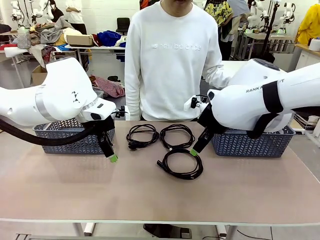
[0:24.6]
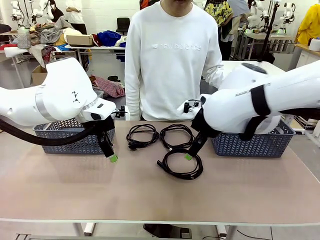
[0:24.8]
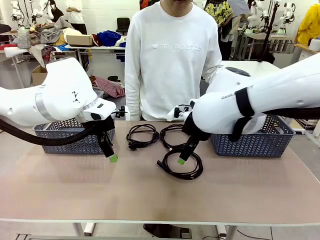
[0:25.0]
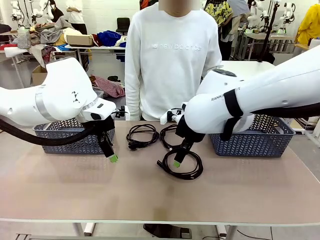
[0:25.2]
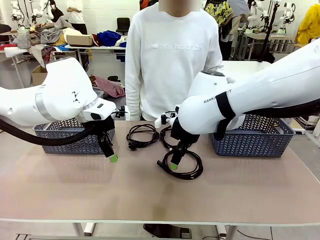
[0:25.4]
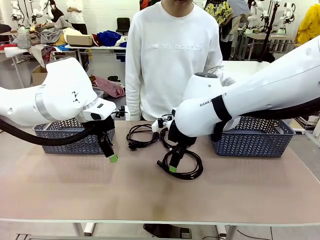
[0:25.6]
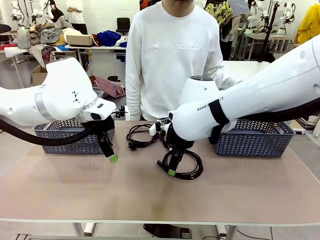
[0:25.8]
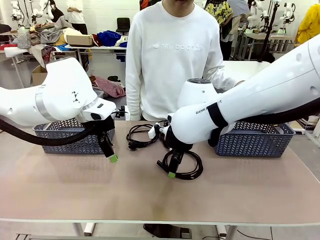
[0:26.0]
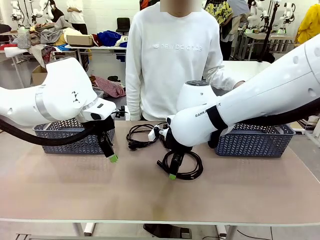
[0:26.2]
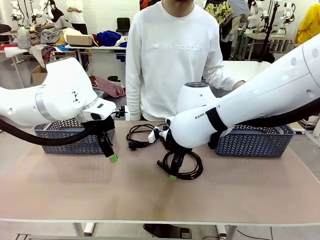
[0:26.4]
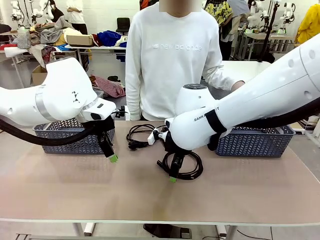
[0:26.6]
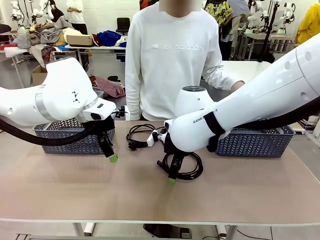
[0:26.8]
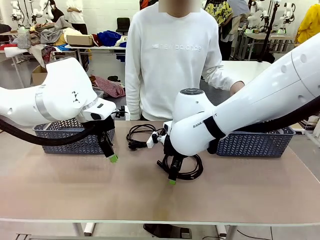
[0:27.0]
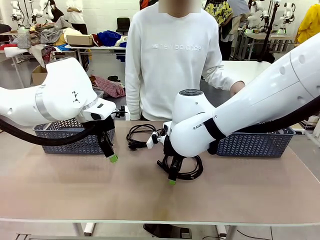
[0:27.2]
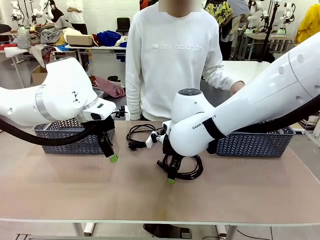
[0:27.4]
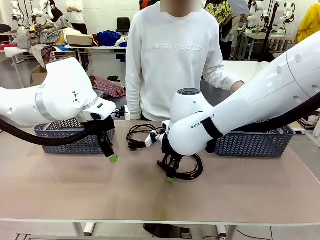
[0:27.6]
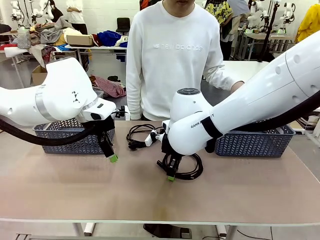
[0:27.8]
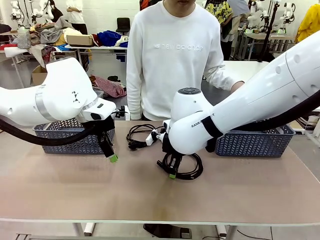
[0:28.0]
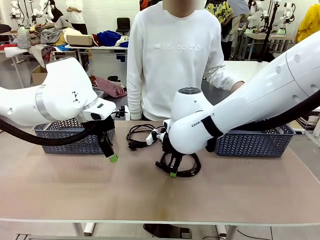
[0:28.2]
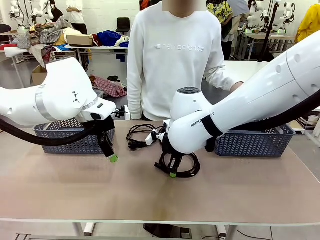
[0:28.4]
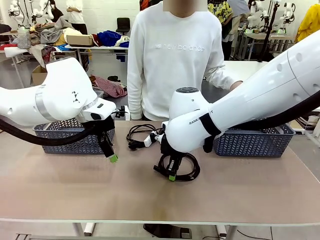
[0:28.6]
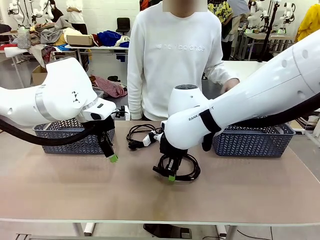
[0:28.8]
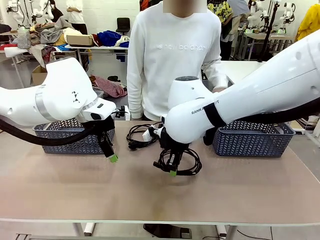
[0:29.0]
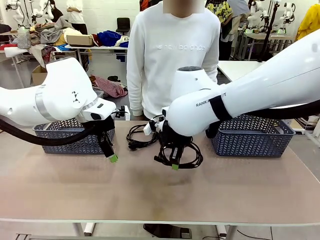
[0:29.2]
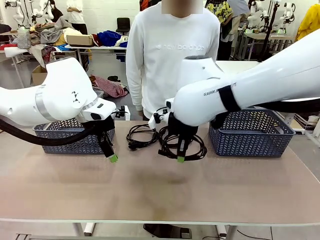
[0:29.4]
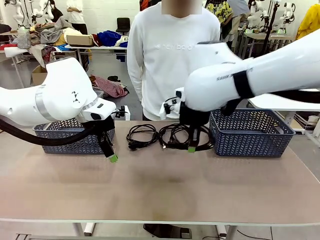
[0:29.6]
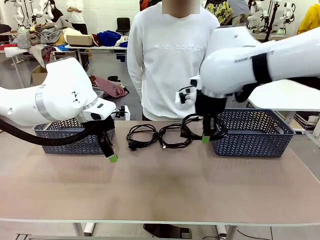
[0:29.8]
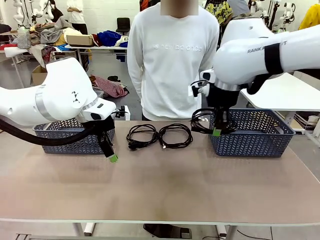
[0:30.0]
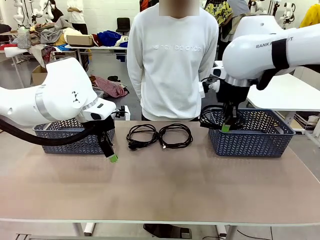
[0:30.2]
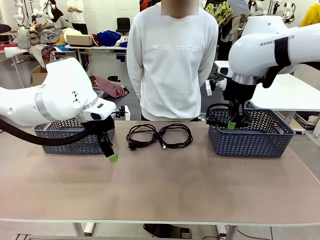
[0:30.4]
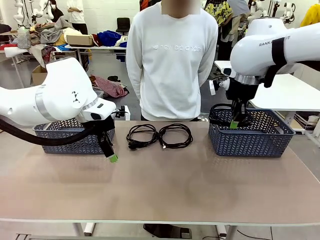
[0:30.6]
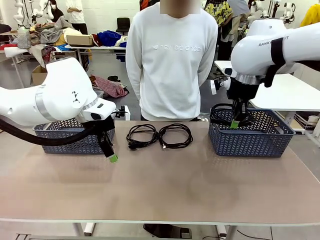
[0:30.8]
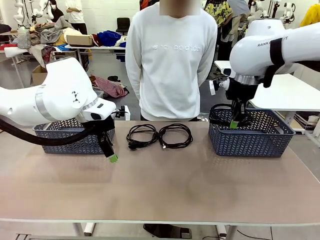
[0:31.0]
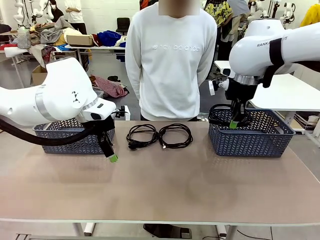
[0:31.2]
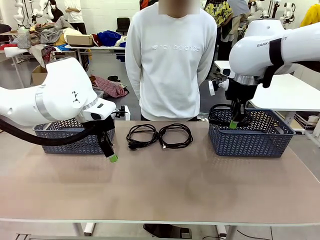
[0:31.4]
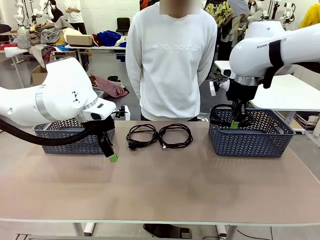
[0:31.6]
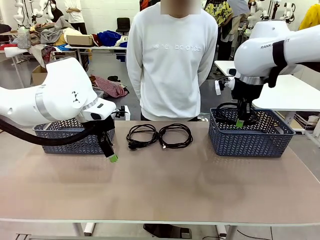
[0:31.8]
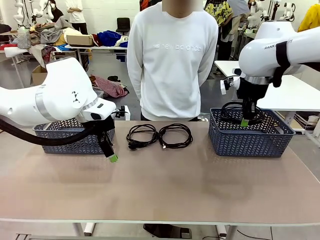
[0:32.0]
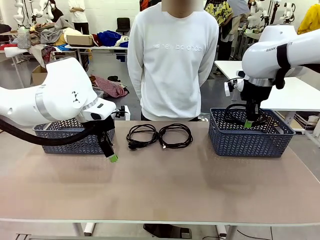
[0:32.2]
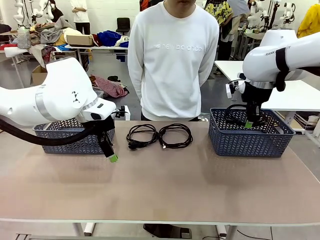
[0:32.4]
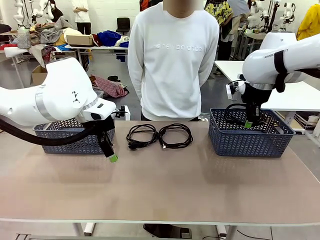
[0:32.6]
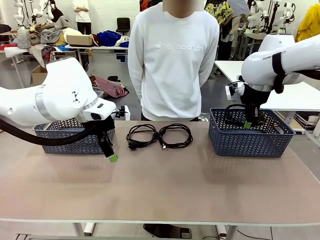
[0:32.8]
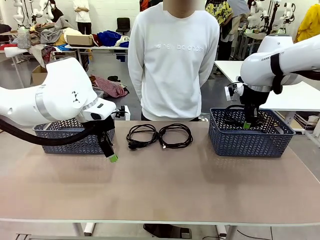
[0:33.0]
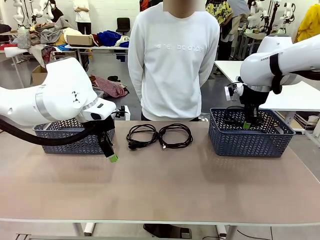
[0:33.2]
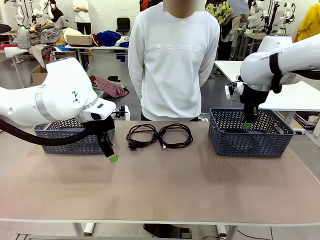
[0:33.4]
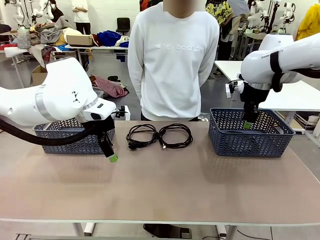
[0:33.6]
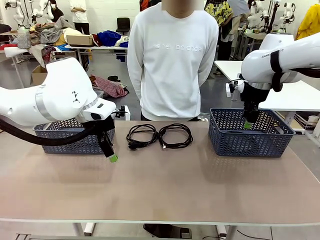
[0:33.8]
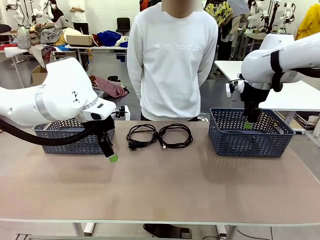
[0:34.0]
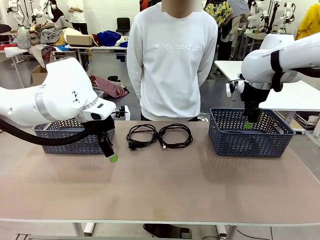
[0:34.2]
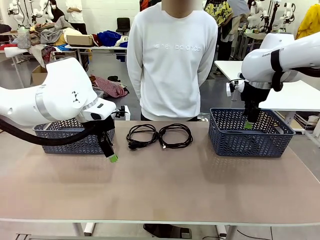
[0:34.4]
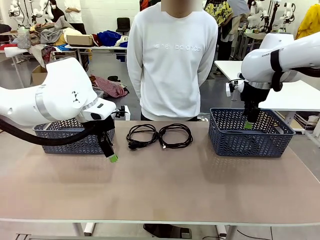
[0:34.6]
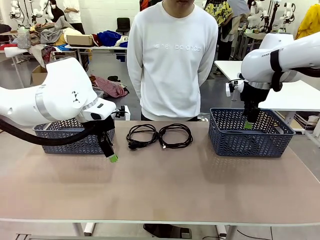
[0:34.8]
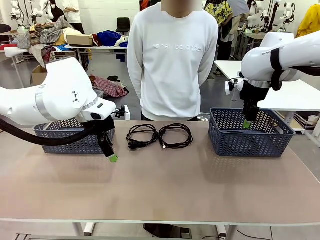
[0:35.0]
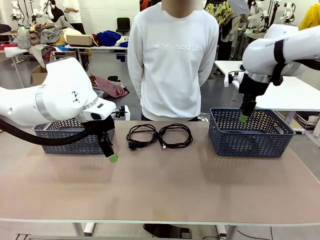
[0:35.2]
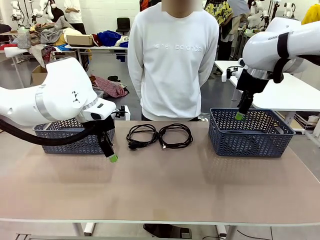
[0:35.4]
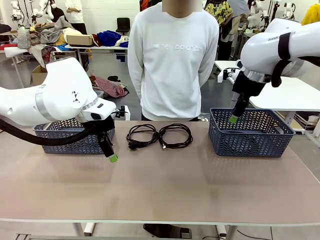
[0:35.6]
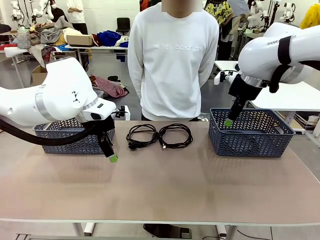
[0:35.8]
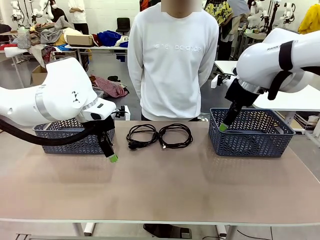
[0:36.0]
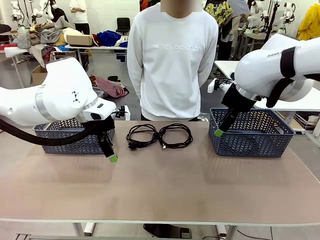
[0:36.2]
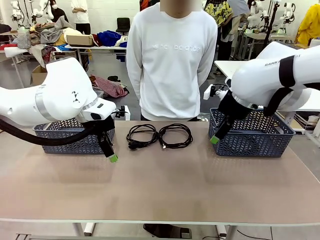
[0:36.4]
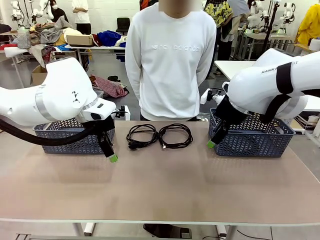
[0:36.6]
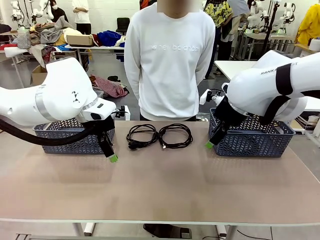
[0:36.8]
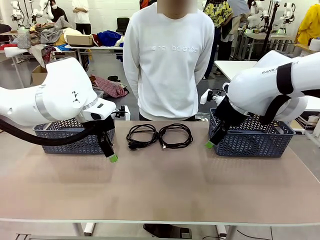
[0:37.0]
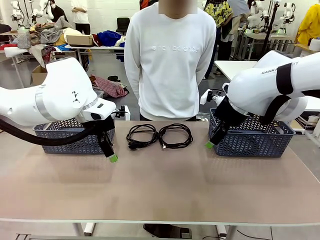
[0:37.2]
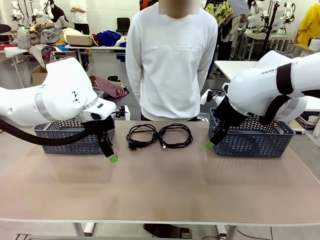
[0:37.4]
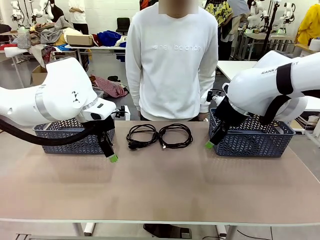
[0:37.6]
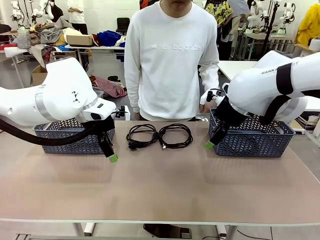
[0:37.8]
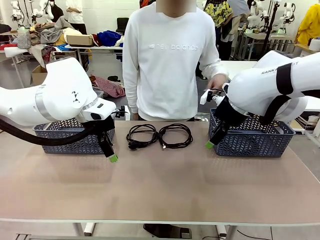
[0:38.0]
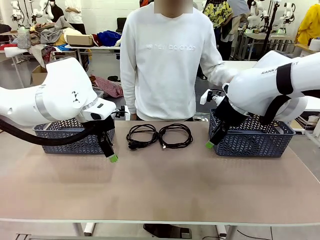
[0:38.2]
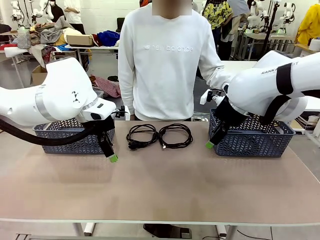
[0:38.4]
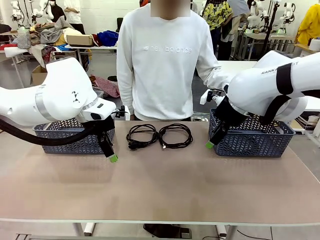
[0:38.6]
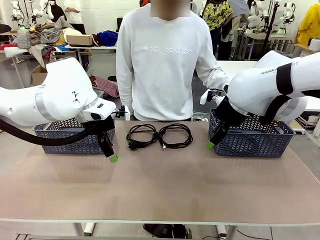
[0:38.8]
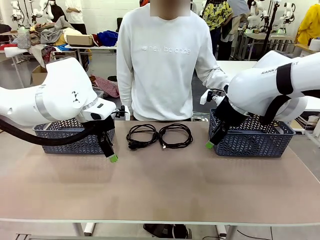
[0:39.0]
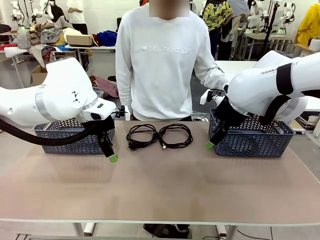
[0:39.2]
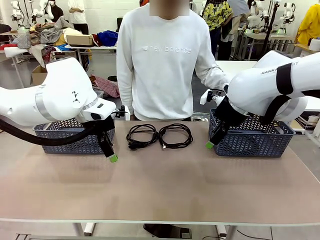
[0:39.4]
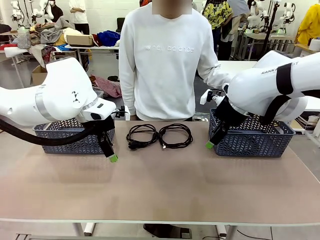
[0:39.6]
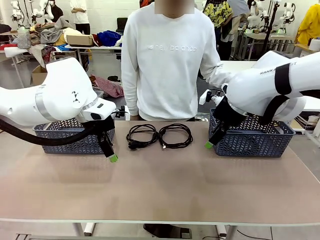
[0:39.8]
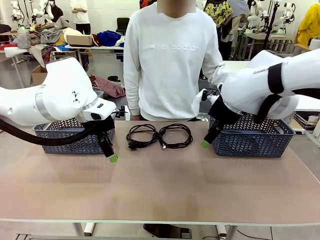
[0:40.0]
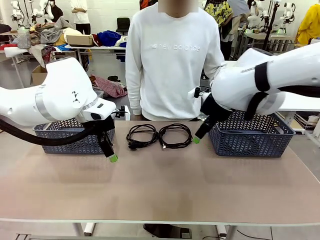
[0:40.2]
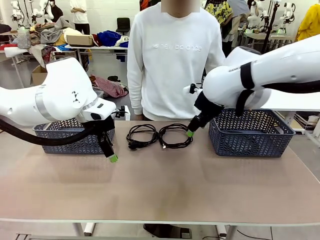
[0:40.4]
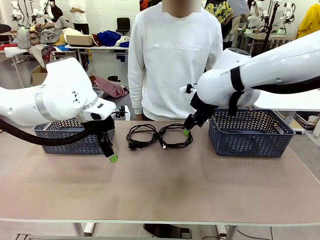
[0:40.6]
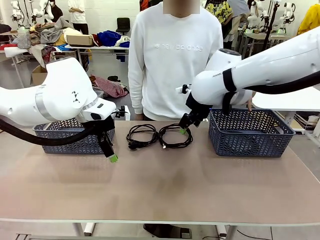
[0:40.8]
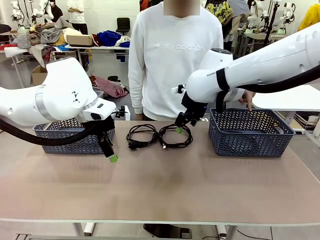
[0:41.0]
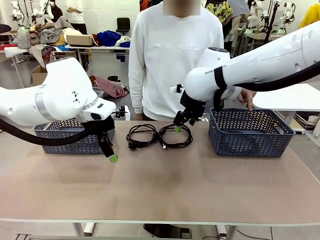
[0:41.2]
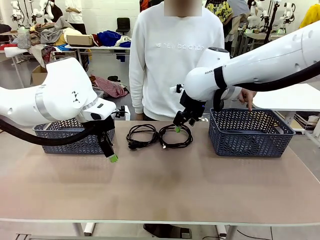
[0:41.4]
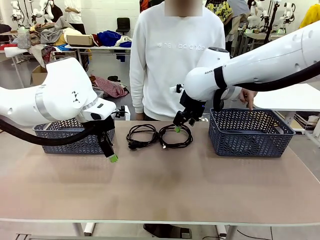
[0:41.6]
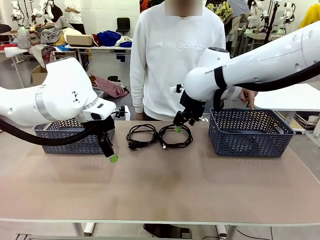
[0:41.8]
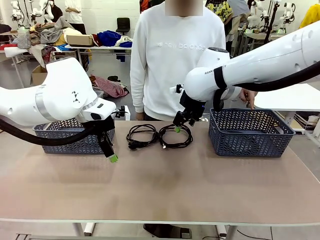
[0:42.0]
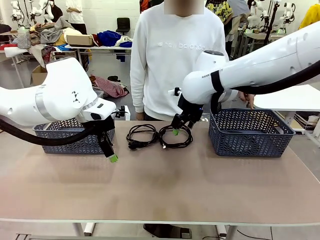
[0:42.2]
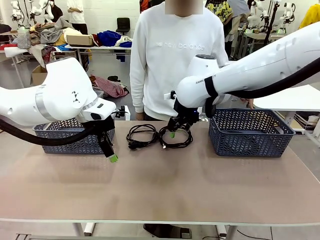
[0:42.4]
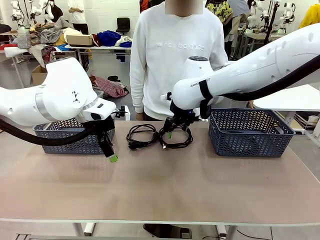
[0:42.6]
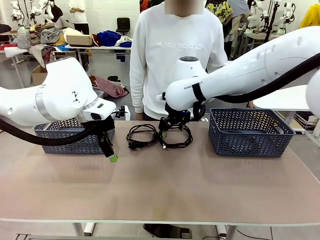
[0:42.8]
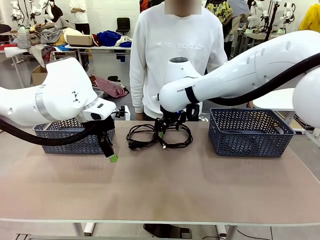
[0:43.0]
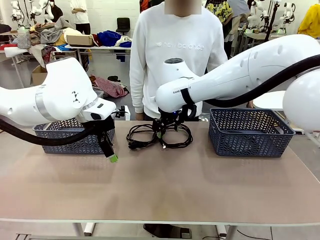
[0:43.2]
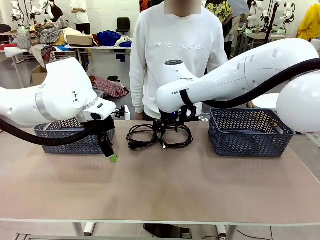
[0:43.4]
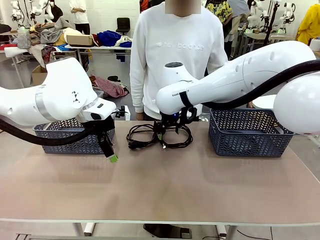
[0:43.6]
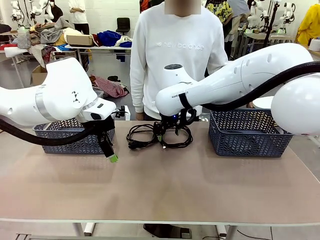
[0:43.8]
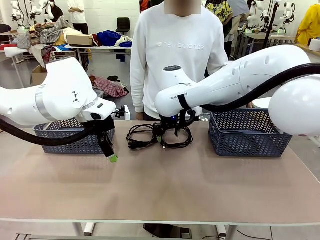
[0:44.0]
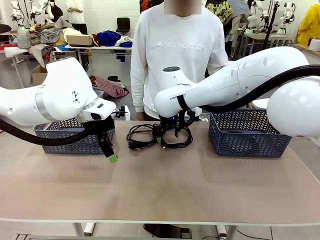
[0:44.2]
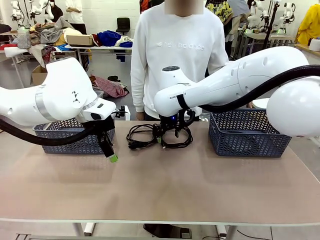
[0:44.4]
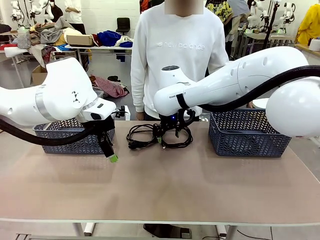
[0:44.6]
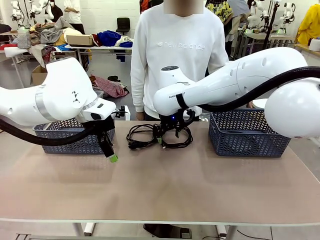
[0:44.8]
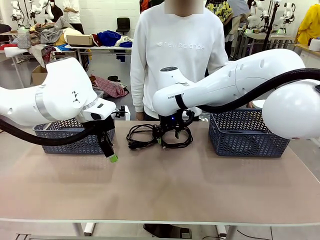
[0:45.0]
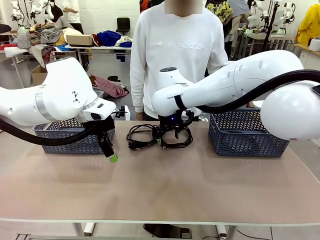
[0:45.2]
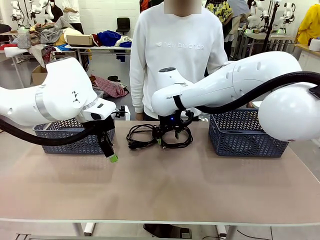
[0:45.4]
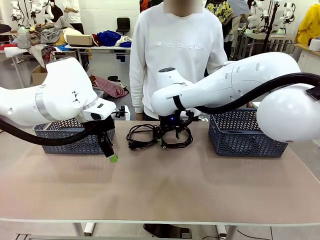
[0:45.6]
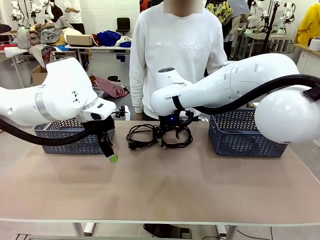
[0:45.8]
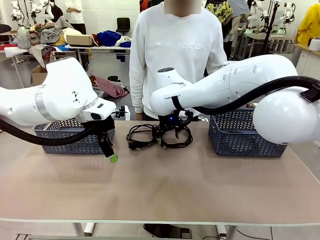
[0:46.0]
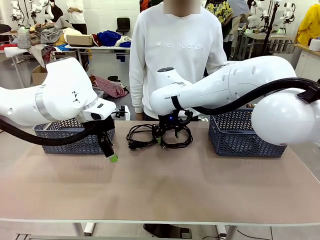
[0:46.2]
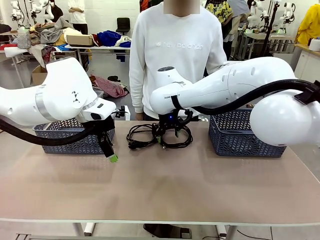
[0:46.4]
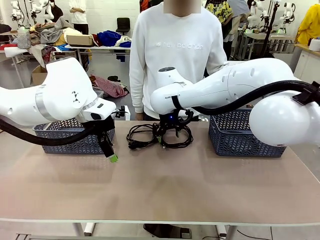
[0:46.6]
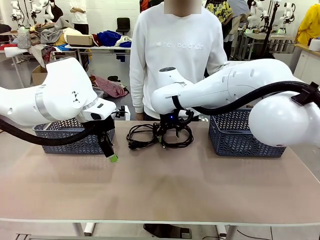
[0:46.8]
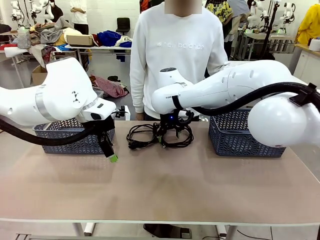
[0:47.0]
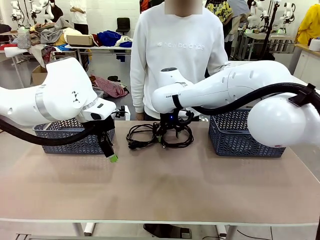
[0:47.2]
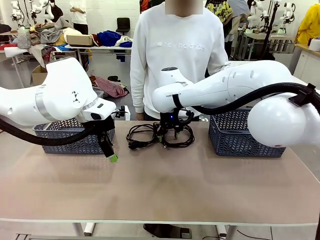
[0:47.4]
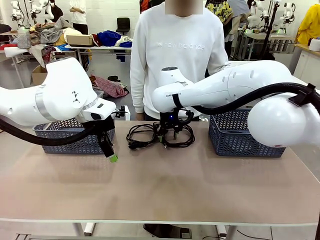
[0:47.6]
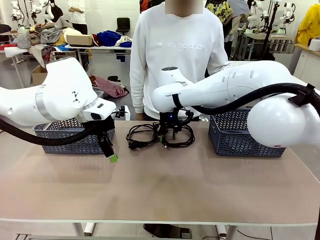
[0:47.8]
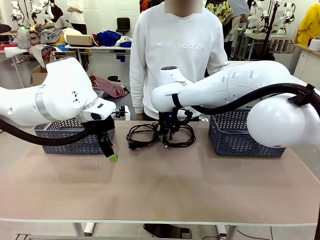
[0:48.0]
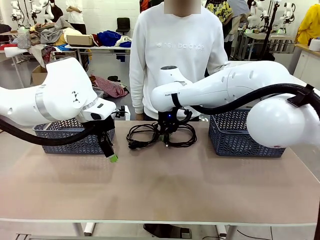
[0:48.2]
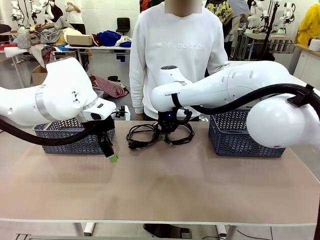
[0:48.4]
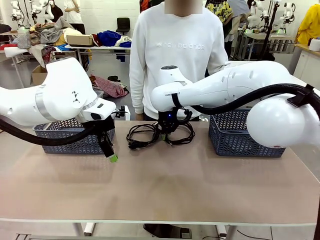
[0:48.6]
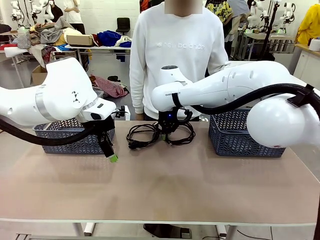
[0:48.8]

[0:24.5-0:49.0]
Task: Organize the cables according to human instructions.
Robot: Pick up a bundle of cables and place it in the basket indicated by the human.
